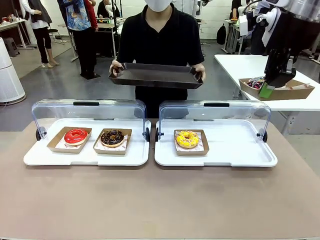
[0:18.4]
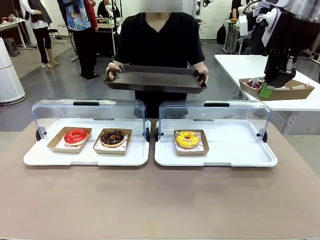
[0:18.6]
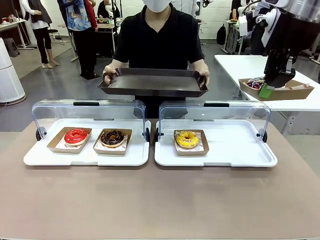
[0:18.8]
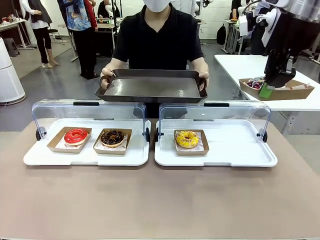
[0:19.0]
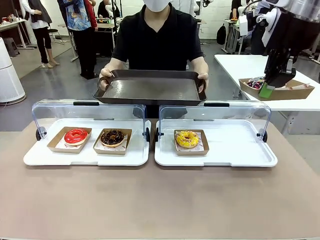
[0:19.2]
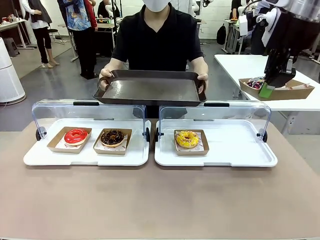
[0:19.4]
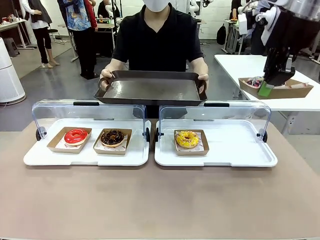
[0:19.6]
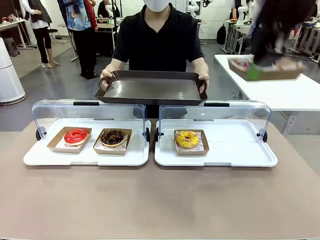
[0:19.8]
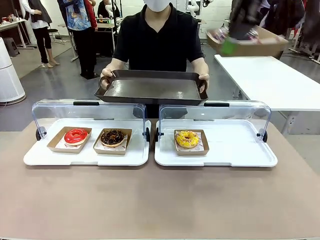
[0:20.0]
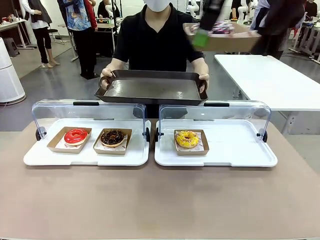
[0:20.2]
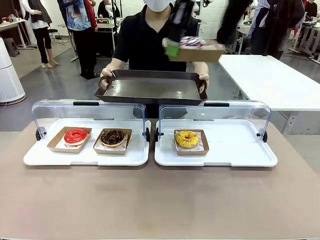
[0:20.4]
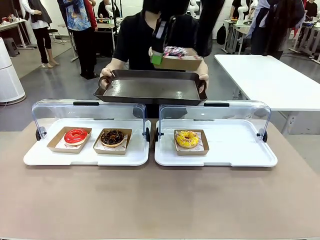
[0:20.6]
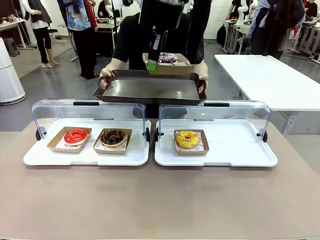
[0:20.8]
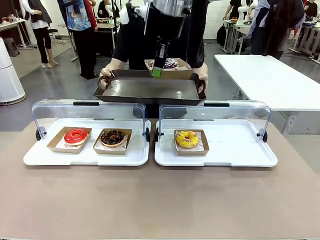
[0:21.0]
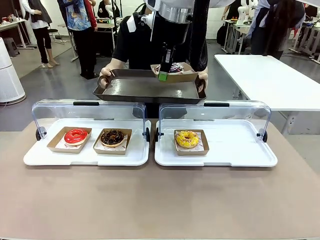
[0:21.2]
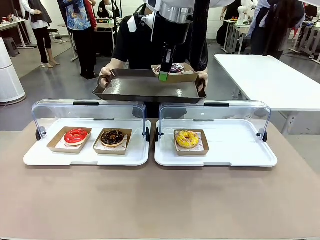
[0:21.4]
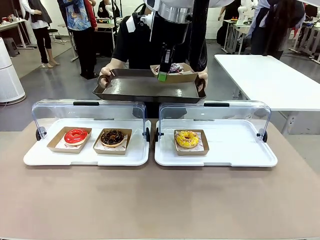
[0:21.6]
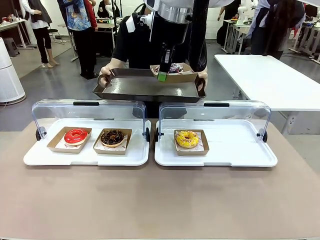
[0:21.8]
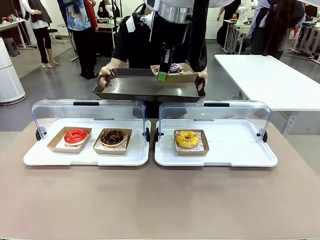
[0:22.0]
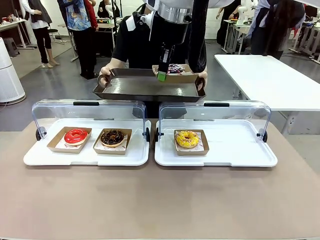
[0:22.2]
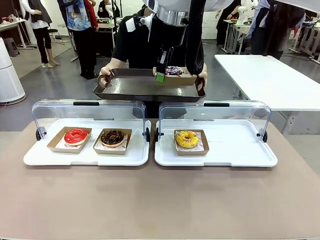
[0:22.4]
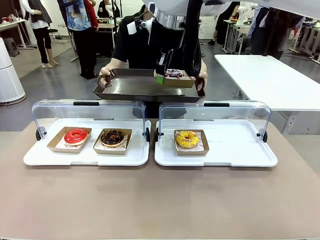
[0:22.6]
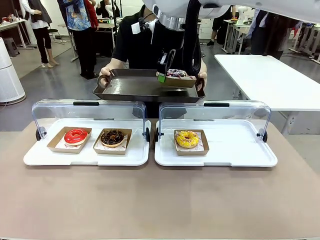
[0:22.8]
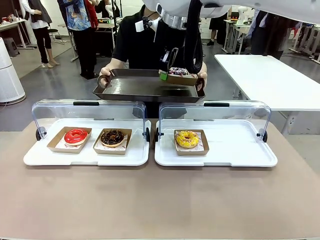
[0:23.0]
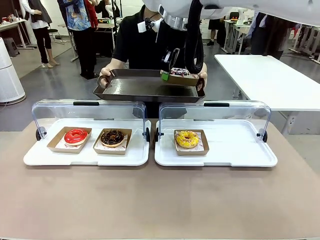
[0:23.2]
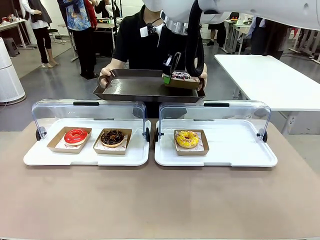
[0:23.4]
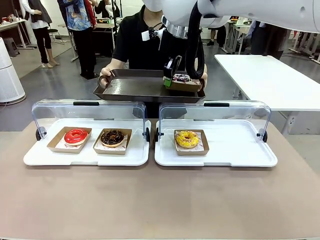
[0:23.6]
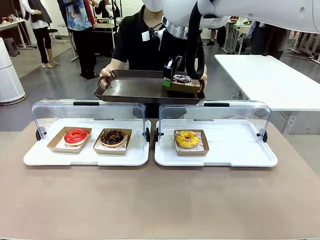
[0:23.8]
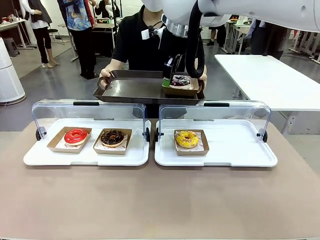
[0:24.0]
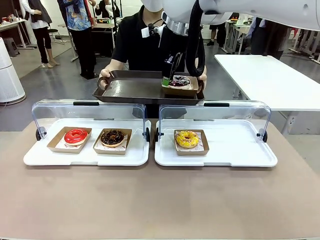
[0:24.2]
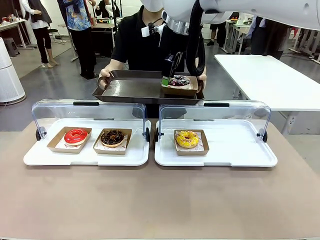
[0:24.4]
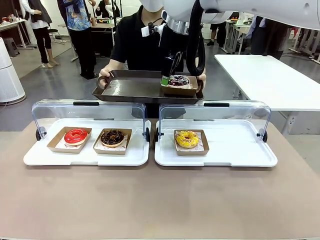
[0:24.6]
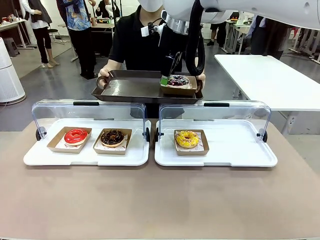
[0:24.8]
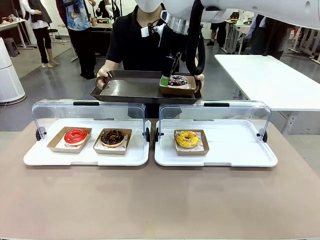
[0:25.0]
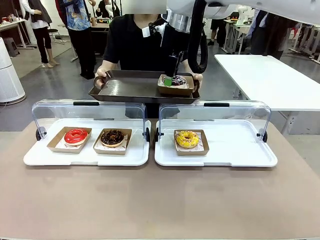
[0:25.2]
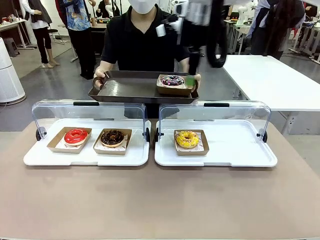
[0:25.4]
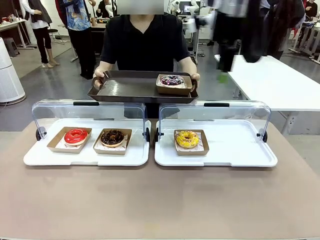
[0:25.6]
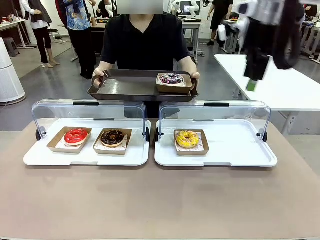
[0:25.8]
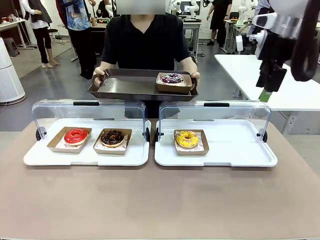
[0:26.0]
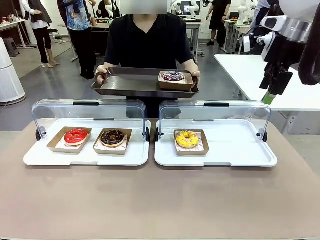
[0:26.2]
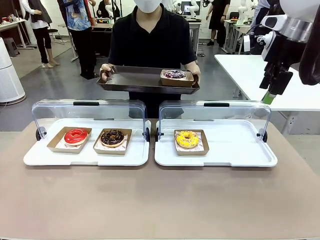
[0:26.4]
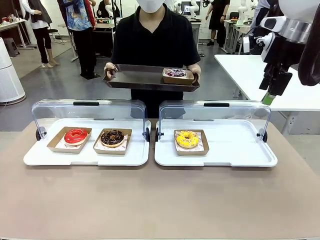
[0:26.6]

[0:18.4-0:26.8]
Task: Provide the desired donut to the person.
Robot: Place the picked Paper togo box onto the Handle tray extended by the person.

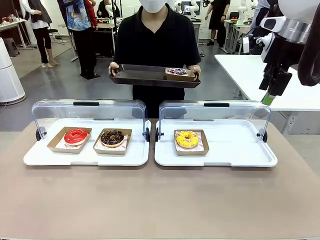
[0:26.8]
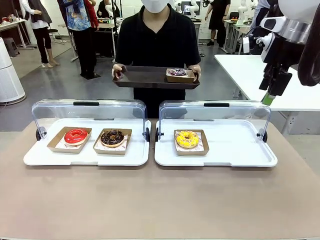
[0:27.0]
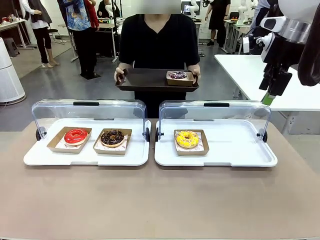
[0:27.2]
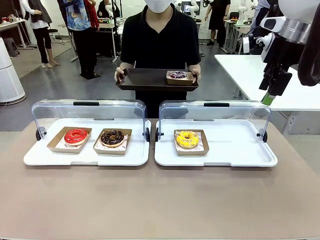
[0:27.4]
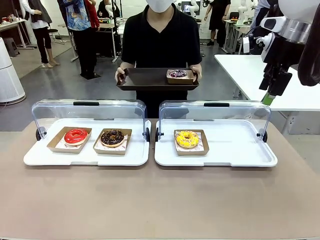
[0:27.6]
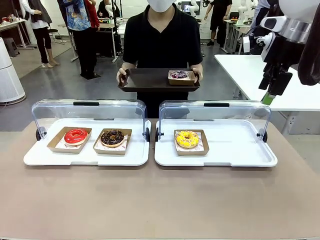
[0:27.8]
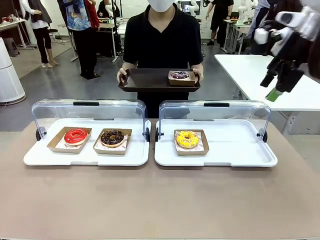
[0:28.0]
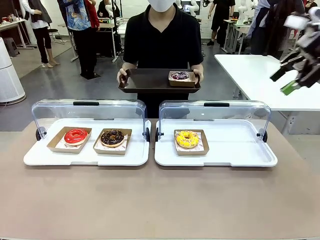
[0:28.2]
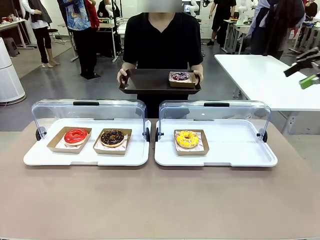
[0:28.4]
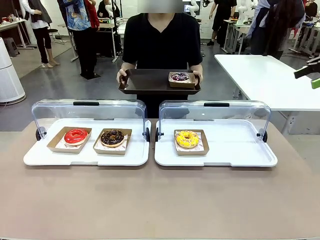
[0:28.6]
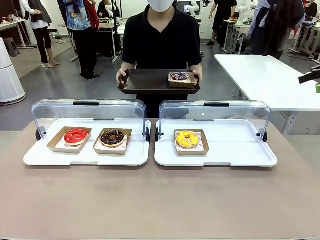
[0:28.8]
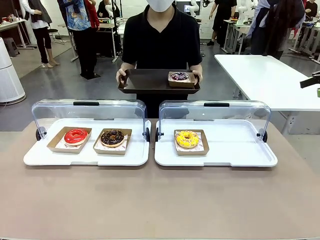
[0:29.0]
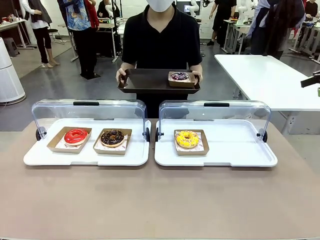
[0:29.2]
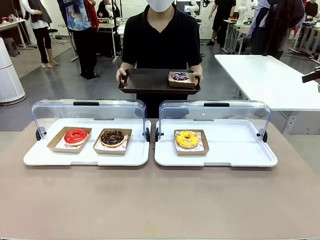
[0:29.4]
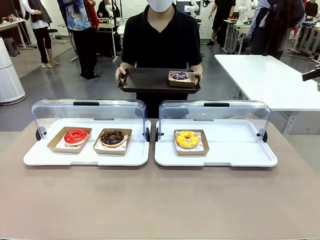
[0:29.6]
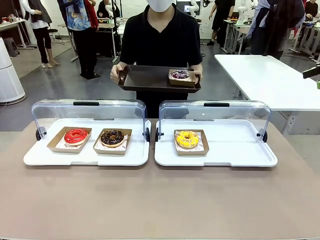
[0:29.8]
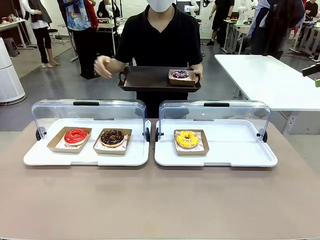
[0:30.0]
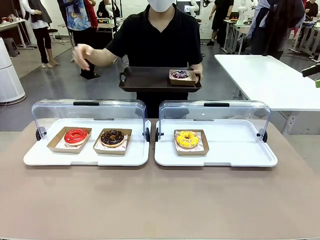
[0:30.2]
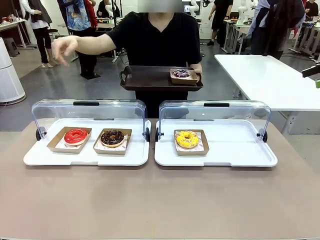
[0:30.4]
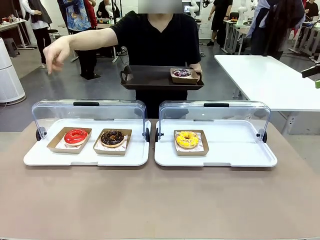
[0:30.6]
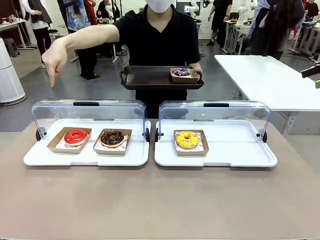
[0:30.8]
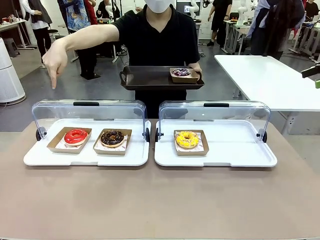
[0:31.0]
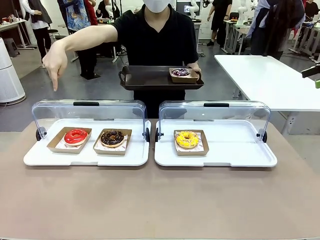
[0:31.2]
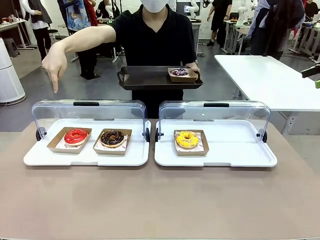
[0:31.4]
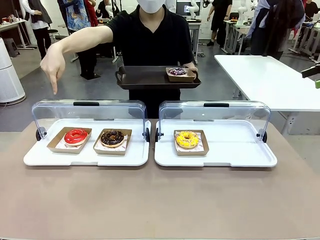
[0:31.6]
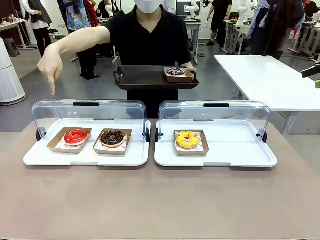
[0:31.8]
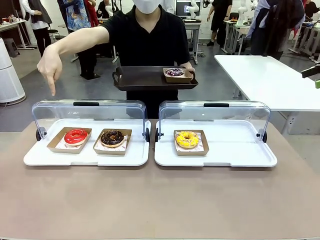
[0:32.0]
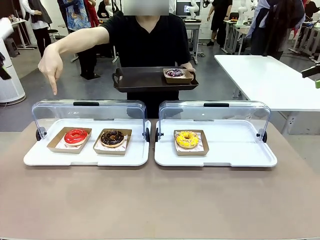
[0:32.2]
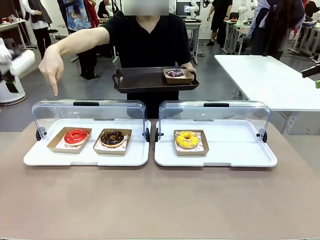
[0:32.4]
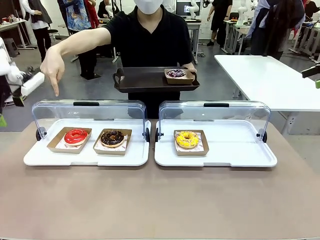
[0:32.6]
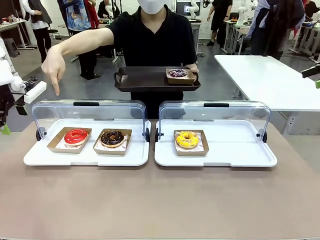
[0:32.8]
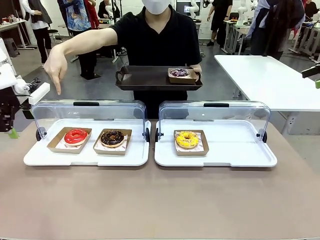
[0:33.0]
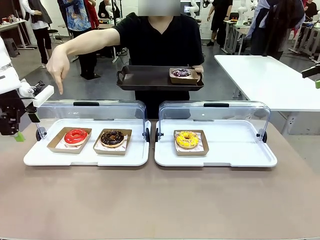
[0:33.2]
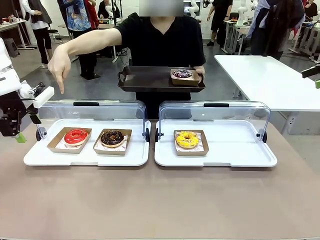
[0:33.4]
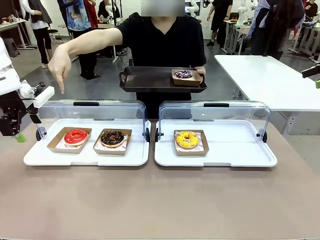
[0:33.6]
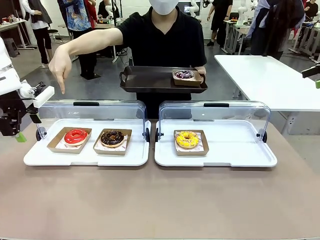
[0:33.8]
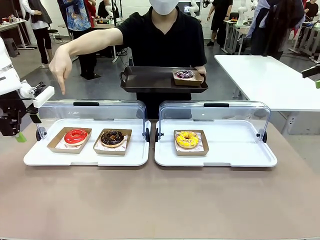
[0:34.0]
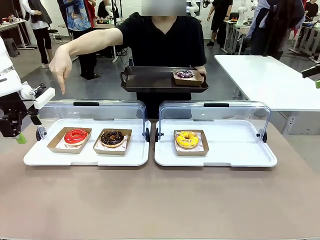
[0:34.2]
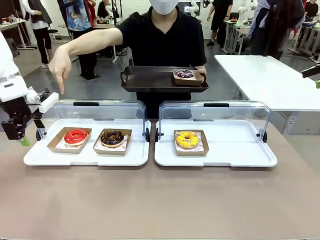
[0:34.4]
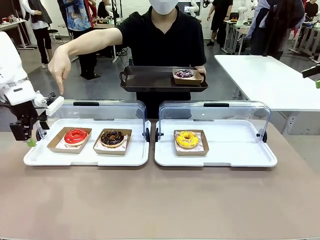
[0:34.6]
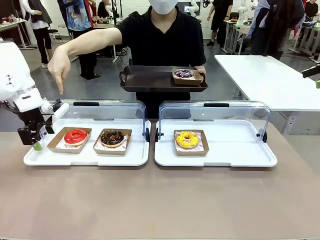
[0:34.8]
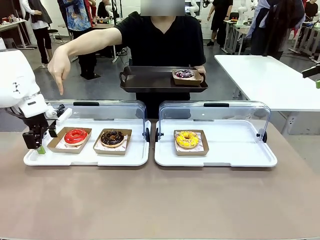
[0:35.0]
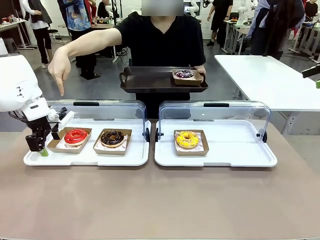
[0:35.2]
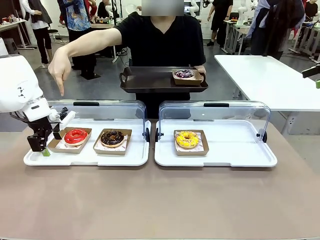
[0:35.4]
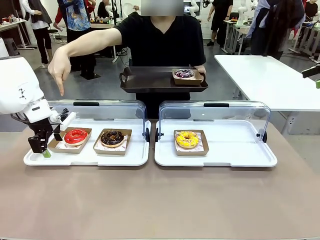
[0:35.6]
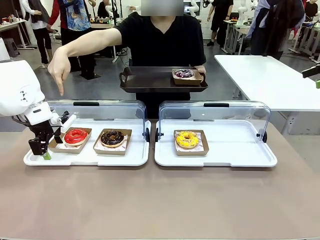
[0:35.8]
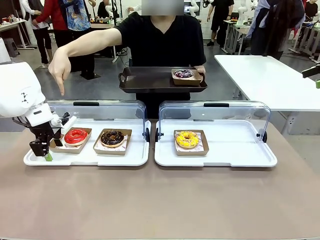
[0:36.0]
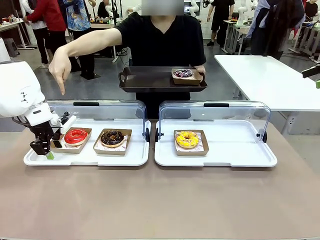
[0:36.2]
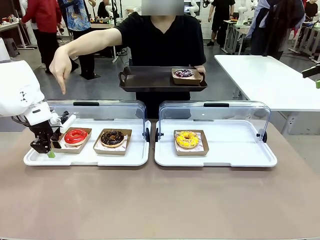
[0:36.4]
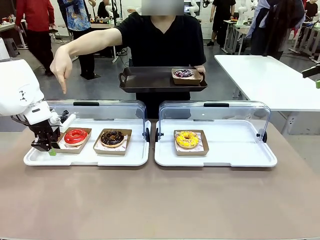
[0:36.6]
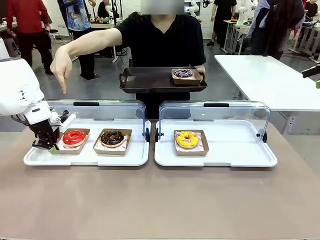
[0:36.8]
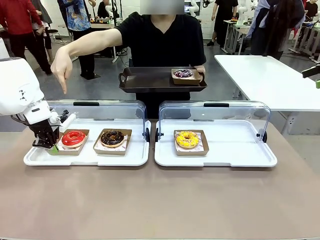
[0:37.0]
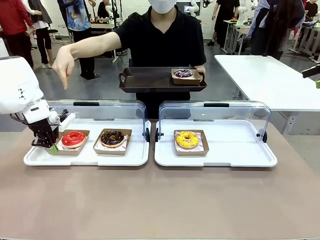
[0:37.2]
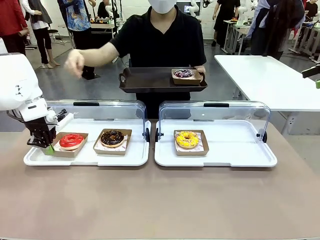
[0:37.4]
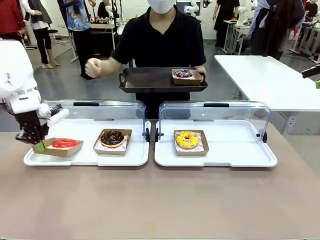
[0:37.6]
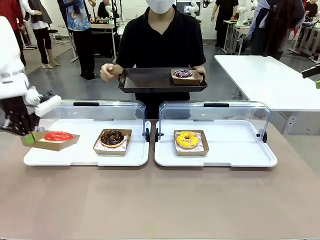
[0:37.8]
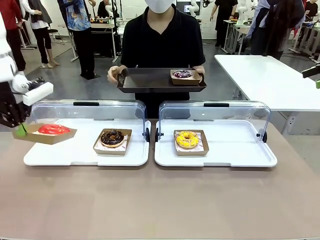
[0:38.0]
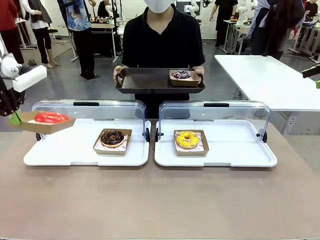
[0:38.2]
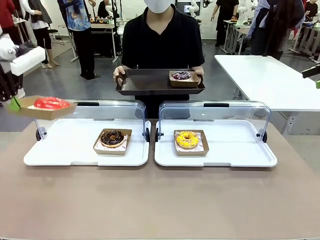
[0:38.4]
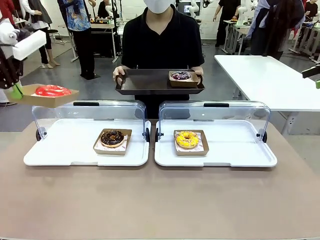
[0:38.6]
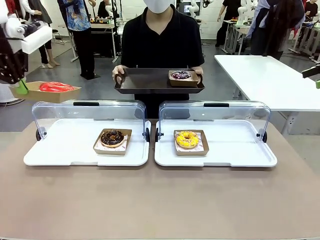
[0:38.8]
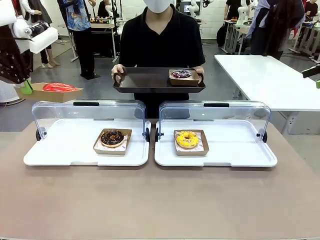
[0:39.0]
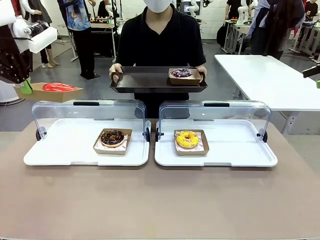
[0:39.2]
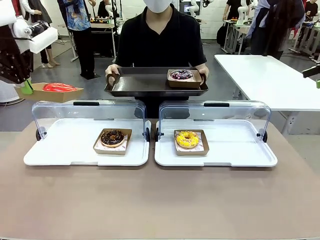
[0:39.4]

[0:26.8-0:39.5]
Robot: Pick up and lift the Paper togo box containing the Donut pointed at by the person.
Person: Point to one donut. Lift the tray onto the Roll-Top Bakery Case.
